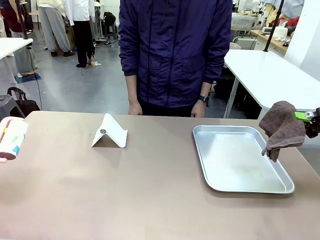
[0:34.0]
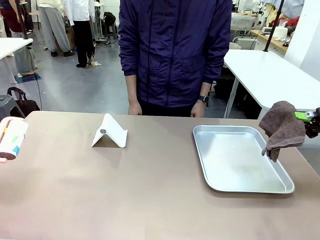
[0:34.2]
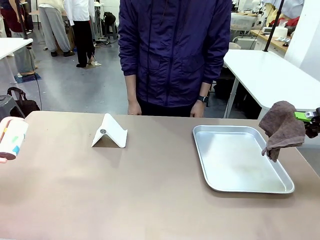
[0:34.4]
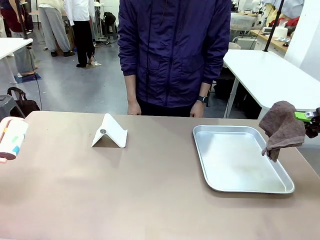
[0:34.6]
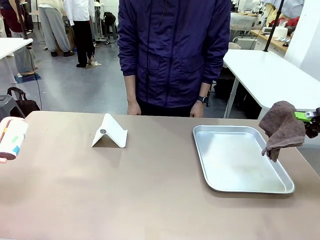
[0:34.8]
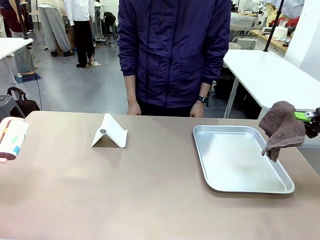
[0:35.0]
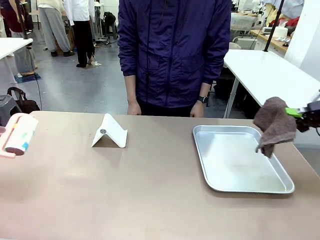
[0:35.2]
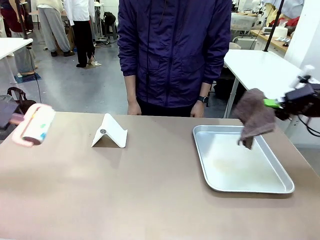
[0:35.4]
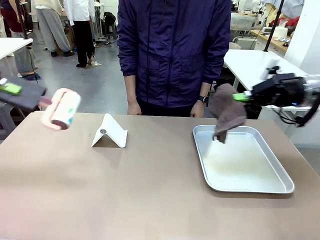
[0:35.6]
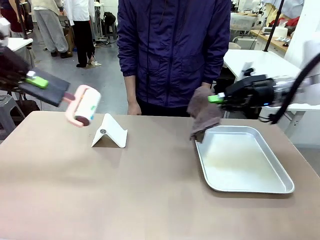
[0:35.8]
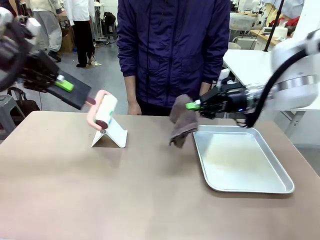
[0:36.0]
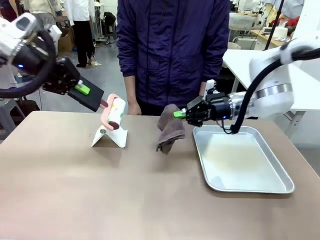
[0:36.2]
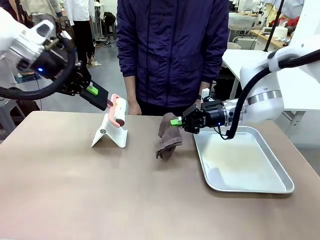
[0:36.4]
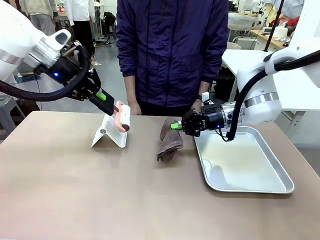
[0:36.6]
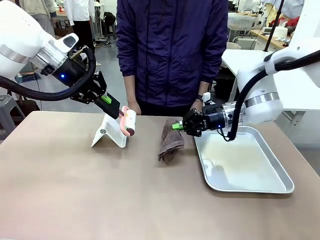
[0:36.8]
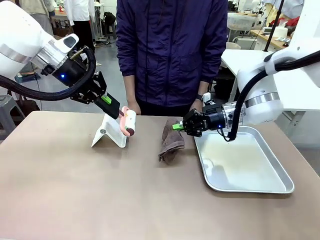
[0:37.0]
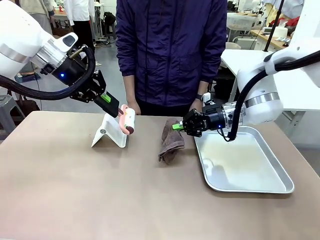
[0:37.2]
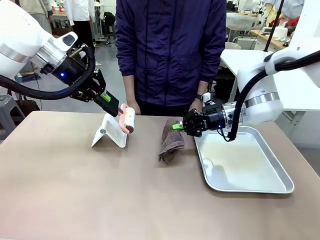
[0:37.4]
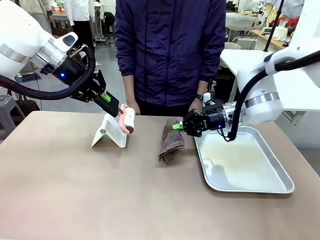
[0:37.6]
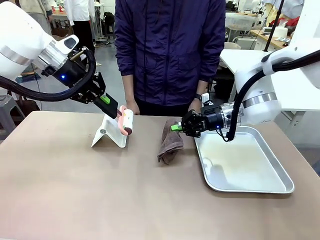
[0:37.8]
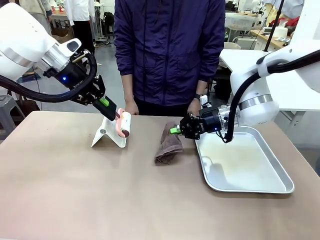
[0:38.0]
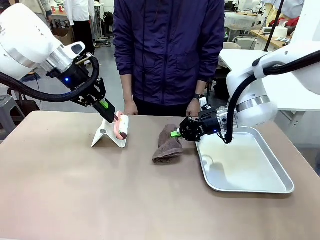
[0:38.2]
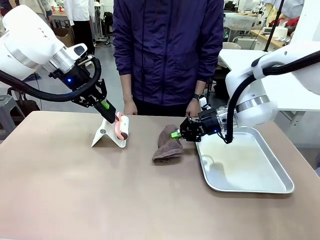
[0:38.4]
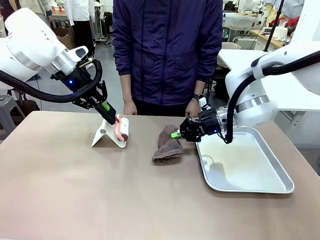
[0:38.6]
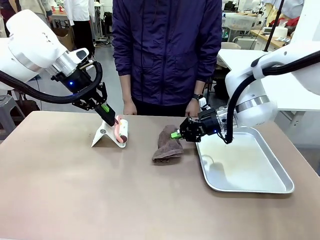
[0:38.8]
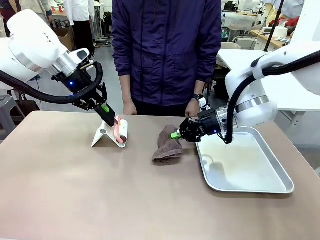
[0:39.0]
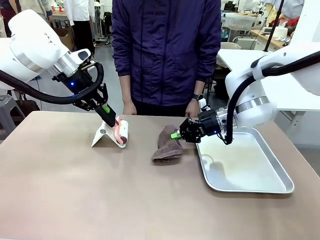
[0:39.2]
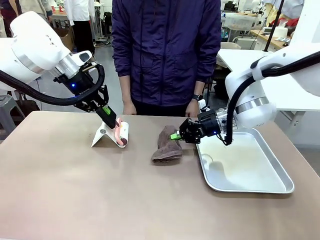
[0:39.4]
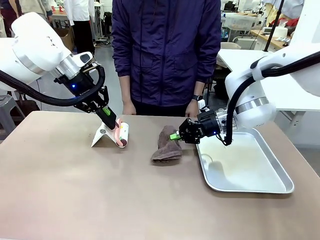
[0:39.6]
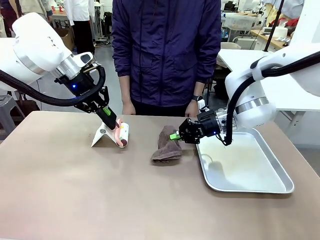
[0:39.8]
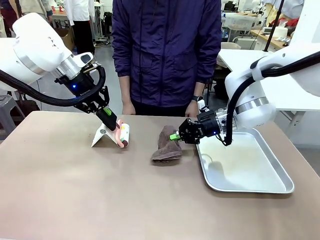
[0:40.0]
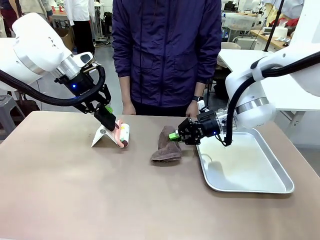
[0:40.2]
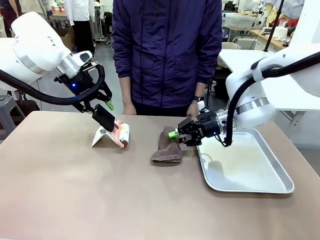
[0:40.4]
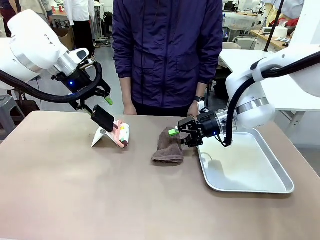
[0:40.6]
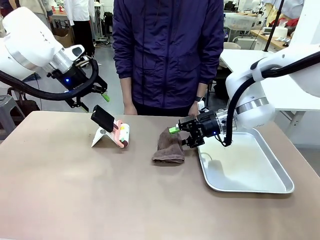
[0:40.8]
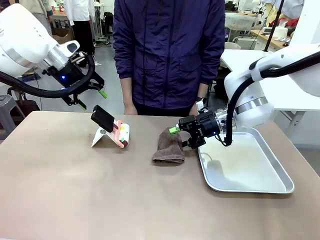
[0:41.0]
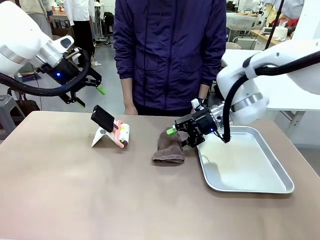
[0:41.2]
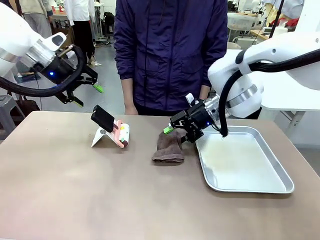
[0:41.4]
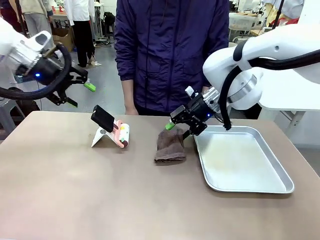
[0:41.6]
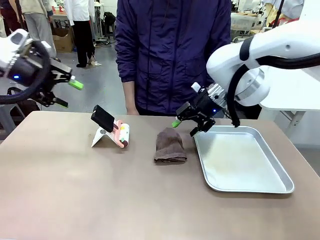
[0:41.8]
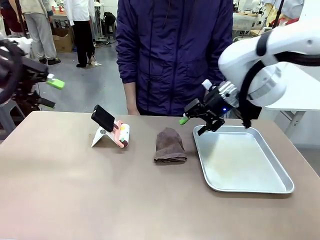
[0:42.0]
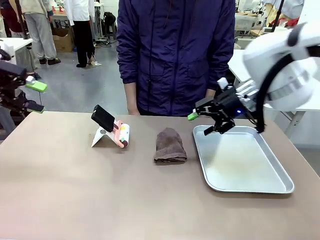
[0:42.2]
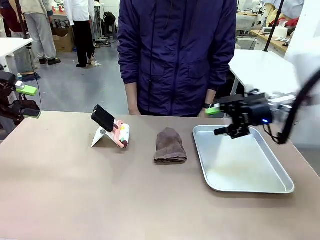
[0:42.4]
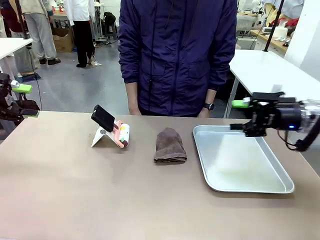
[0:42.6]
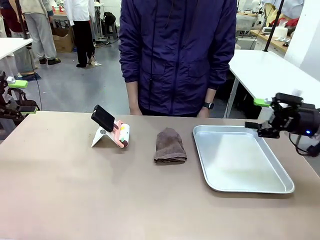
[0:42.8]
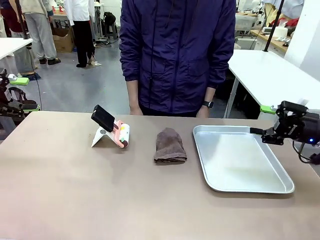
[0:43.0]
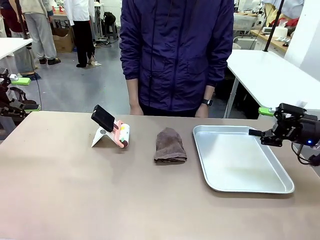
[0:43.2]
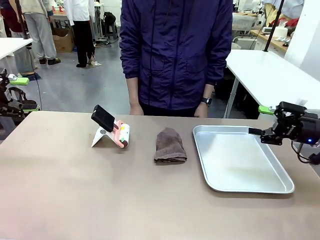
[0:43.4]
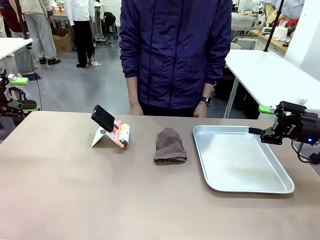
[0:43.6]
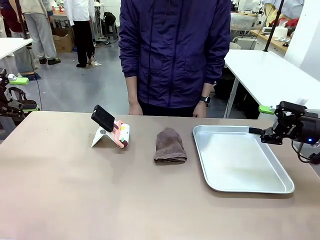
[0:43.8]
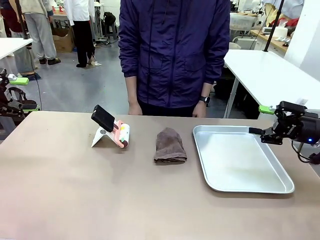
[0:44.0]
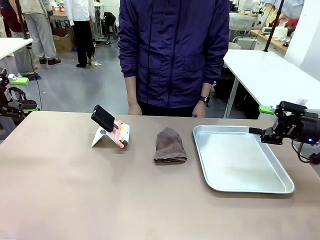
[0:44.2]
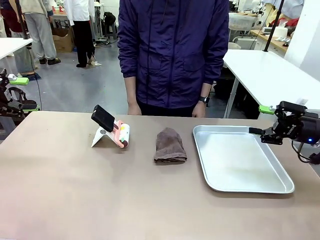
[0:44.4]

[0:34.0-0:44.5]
Task: Clean the surface of the table.
Robot: Return the Lint Roller and towel to their original positions.

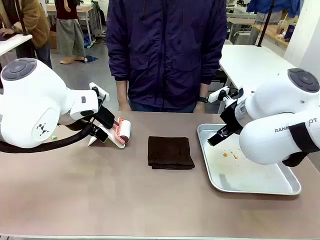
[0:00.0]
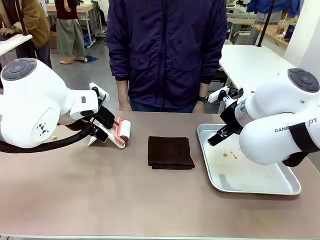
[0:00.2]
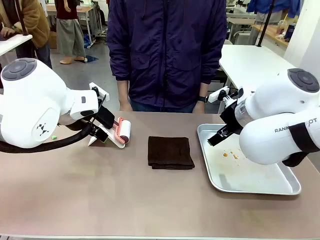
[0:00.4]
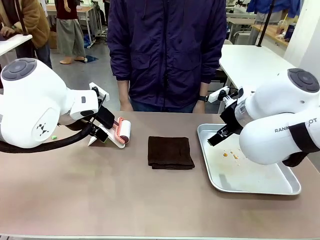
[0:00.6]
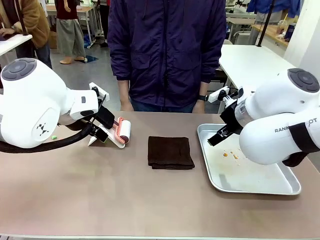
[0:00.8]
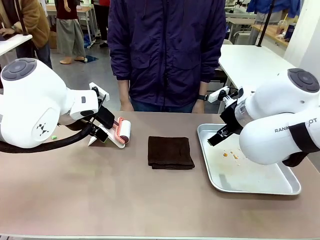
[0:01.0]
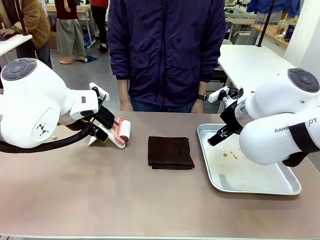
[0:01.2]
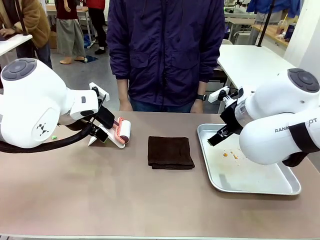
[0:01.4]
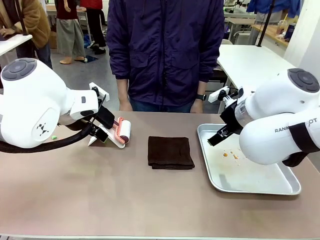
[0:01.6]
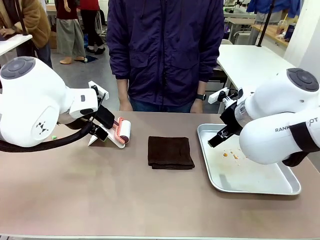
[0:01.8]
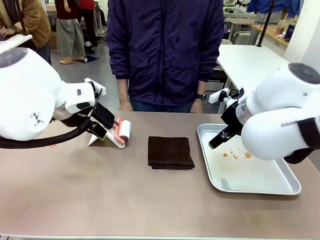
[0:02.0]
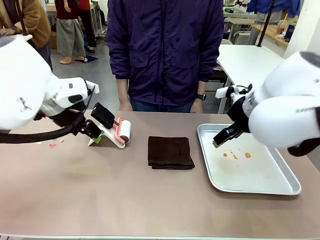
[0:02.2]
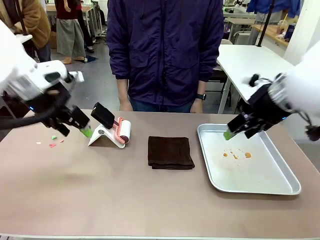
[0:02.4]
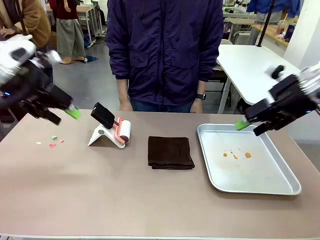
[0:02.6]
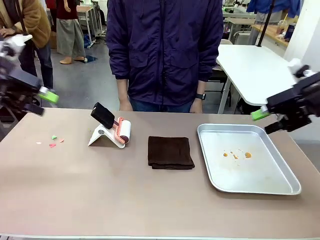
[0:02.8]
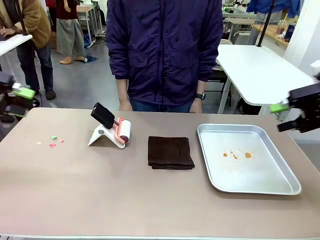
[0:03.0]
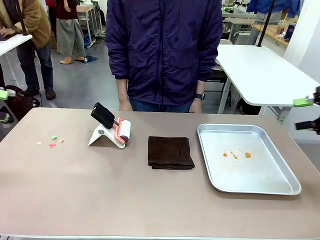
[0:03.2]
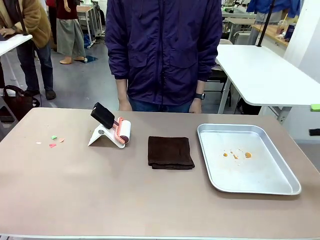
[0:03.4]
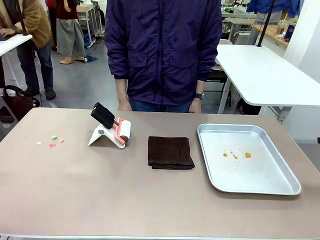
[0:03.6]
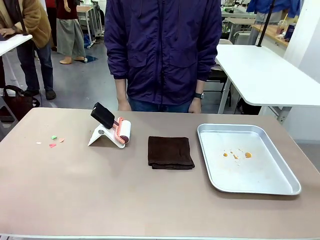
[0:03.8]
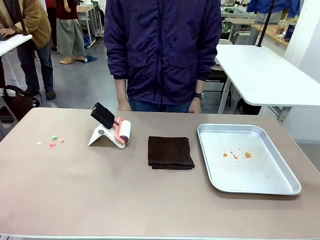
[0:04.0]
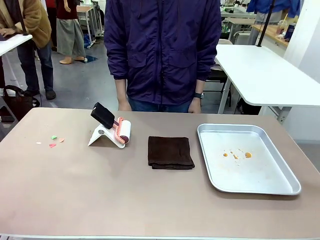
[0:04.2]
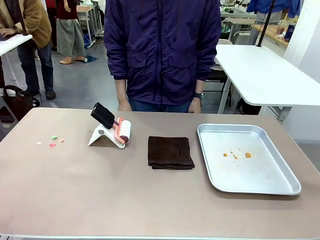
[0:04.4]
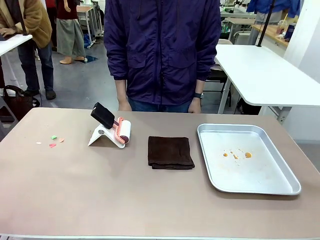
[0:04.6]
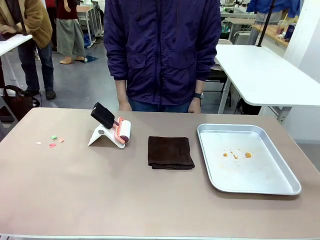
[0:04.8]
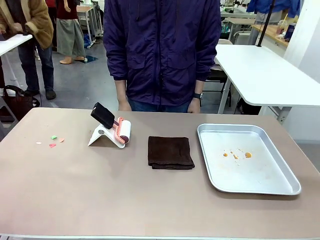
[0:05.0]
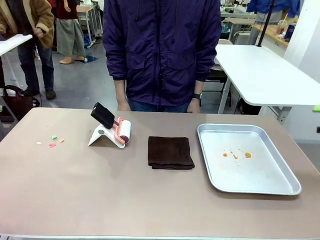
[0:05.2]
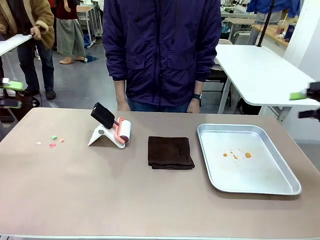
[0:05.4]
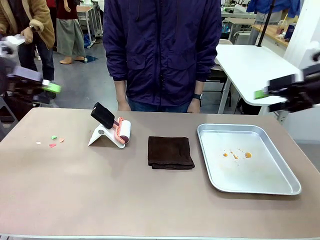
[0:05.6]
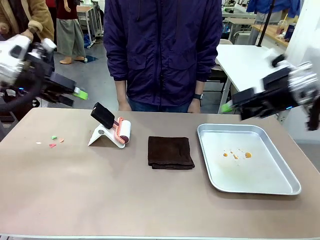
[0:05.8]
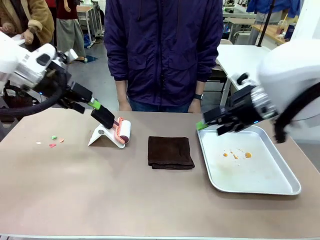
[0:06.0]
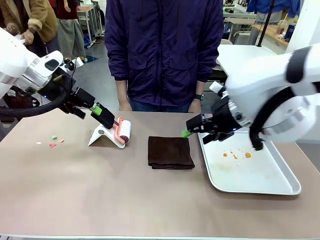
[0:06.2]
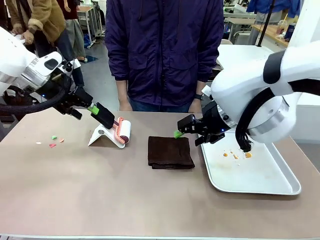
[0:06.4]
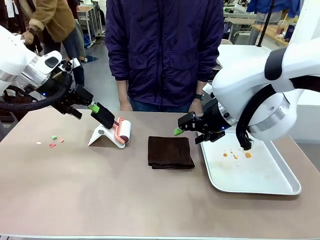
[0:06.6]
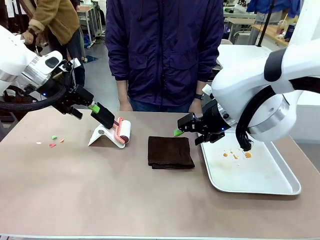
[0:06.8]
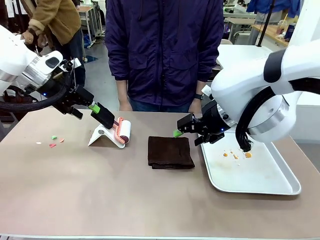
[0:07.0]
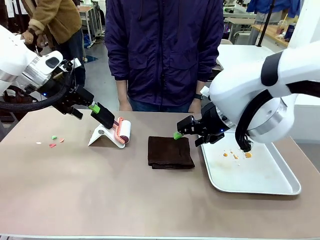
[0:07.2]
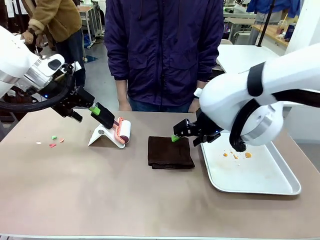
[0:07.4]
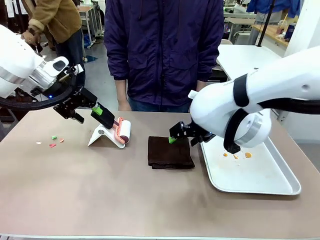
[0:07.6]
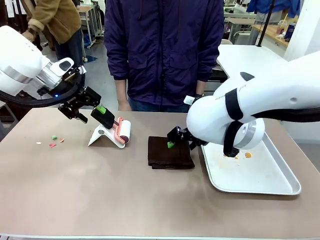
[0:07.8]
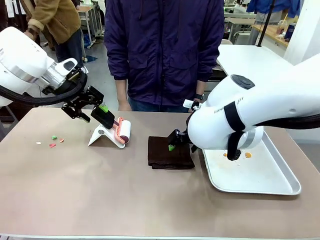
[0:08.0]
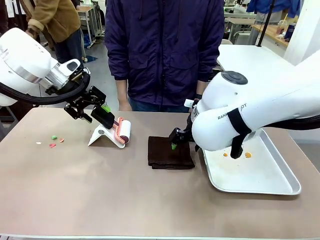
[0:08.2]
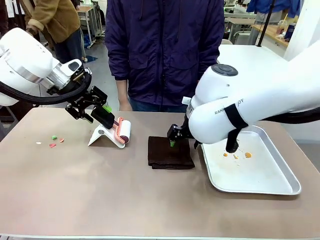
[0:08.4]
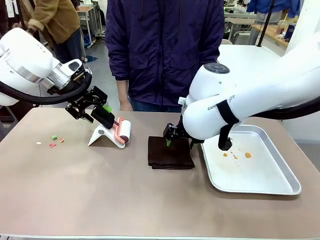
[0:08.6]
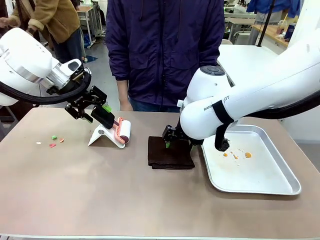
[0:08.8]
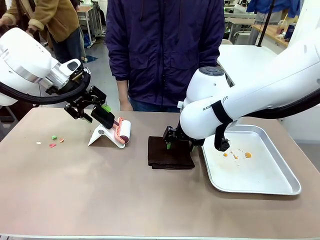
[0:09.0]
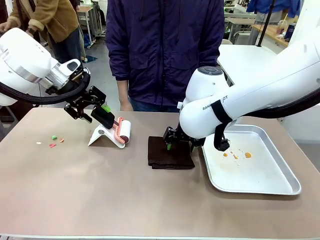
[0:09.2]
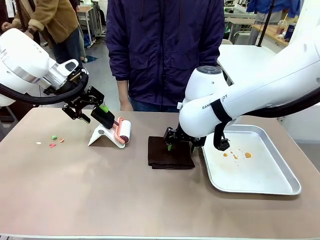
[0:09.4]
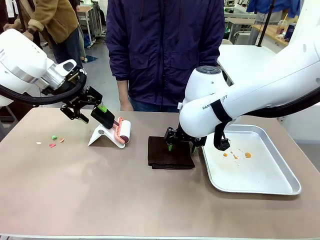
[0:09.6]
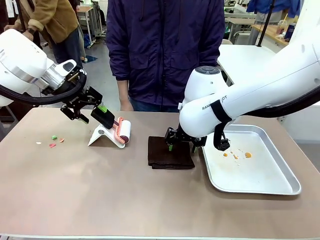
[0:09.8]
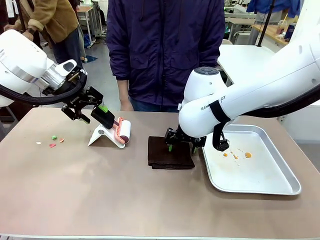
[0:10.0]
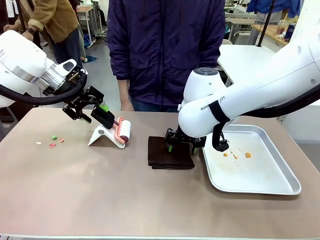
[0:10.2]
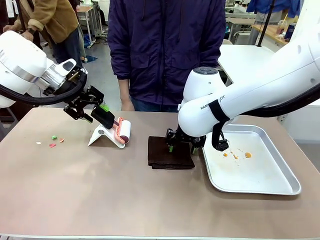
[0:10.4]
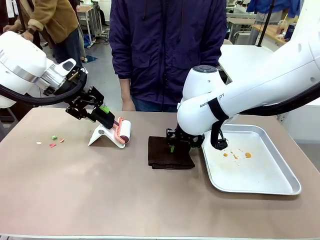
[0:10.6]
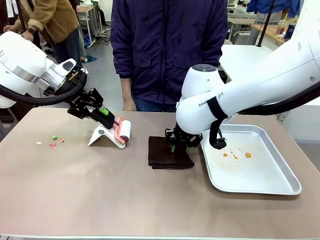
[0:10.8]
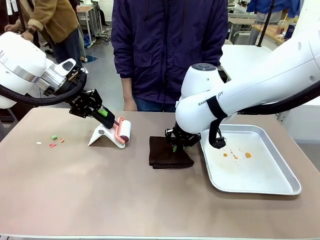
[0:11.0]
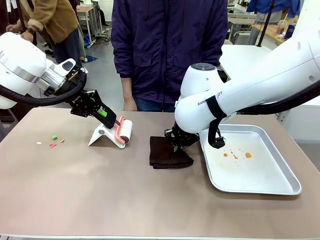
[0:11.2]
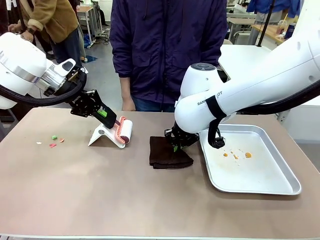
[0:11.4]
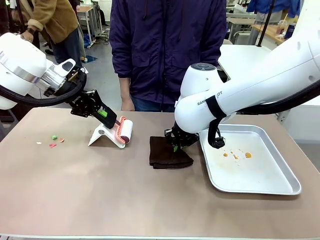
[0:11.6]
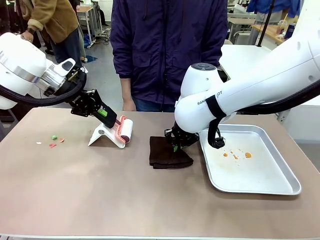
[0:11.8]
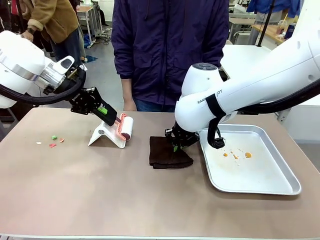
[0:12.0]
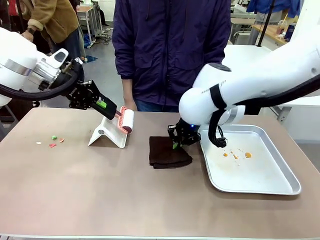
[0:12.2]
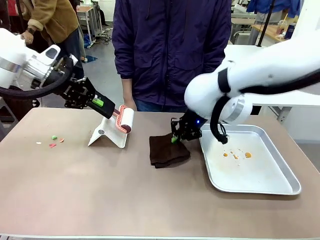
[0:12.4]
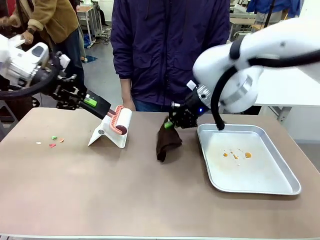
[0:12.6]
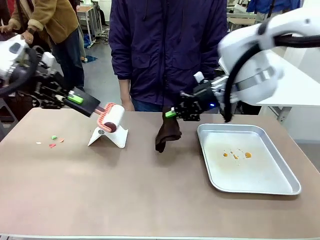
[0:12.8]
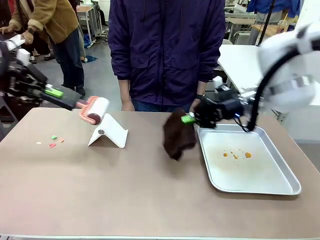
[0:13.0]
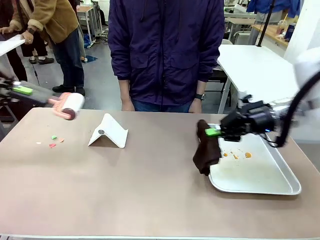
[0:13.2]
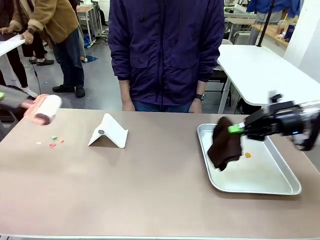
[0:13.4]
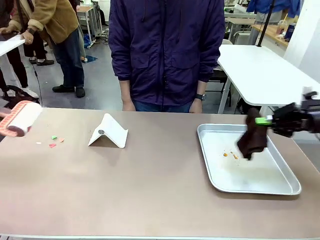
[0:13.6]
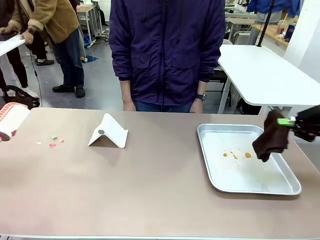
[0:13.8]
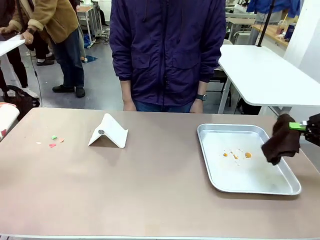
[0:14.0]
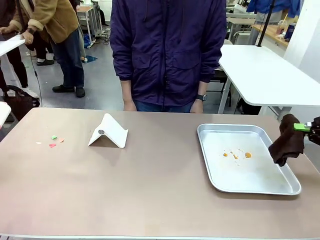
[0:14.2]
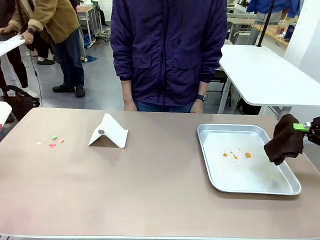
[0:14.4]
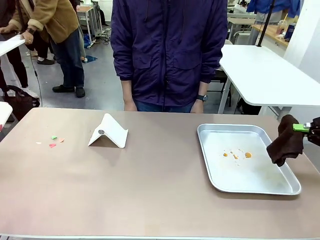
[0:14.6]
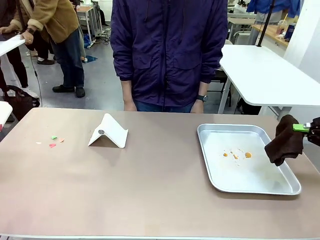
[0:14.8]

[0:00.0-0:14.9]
Task: Clean the surface of the table.
Robot: Hold the Lint Roller with your left hand and the towel with your right hand.
